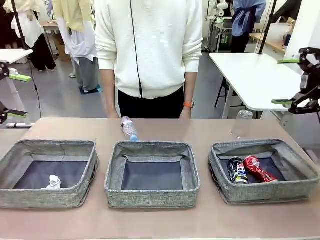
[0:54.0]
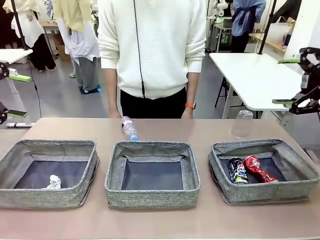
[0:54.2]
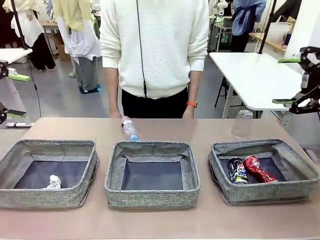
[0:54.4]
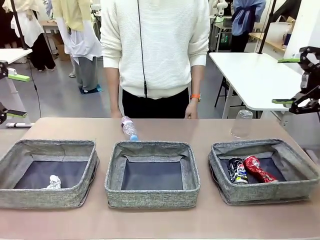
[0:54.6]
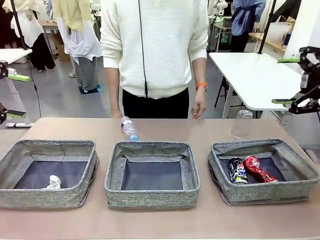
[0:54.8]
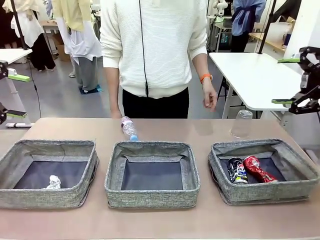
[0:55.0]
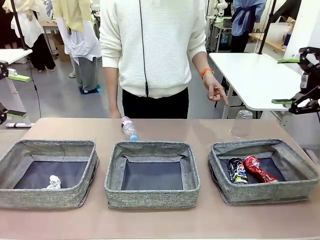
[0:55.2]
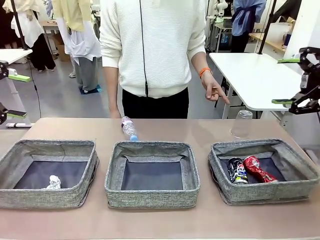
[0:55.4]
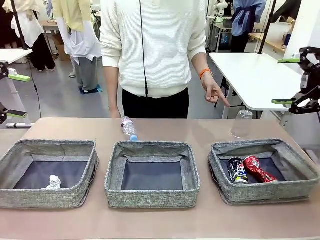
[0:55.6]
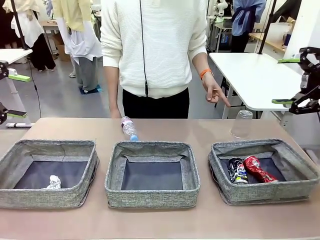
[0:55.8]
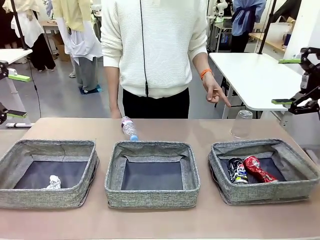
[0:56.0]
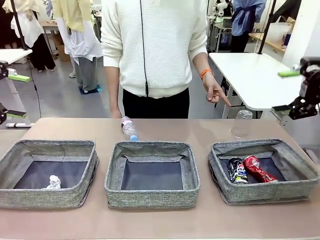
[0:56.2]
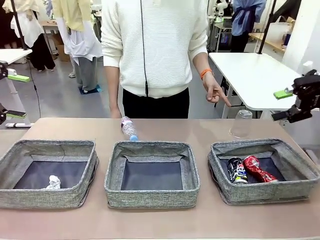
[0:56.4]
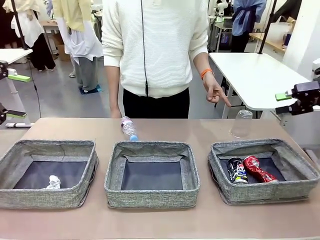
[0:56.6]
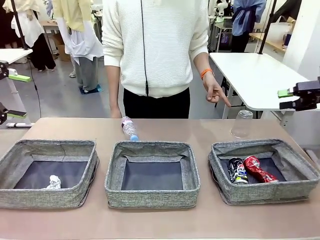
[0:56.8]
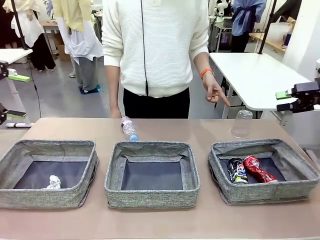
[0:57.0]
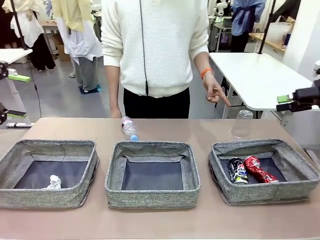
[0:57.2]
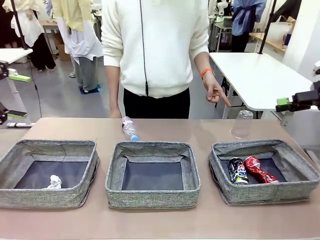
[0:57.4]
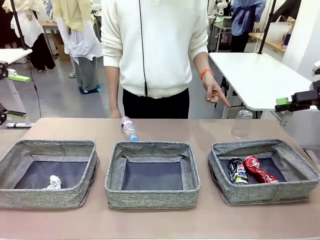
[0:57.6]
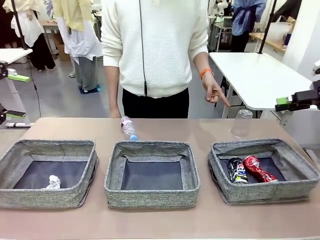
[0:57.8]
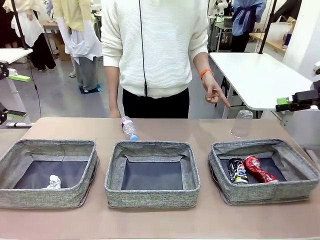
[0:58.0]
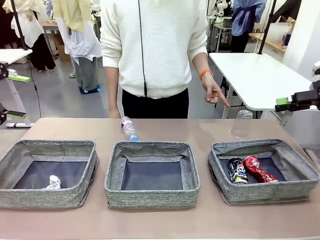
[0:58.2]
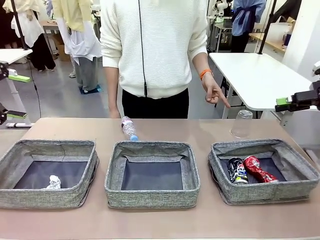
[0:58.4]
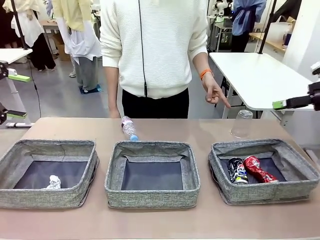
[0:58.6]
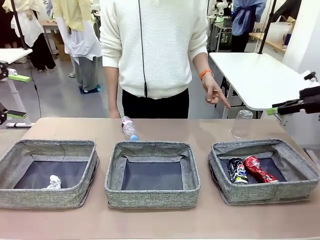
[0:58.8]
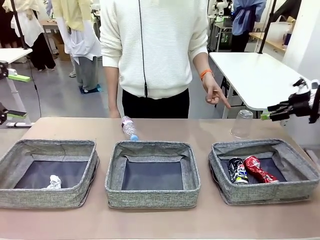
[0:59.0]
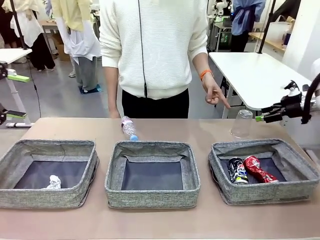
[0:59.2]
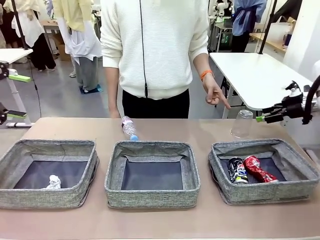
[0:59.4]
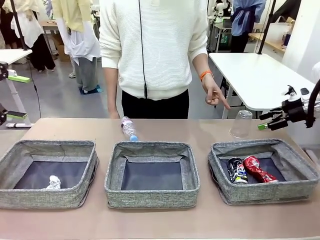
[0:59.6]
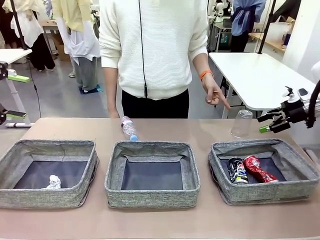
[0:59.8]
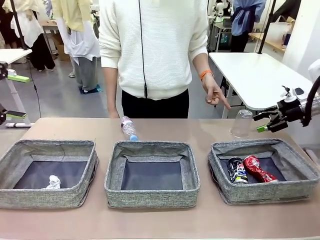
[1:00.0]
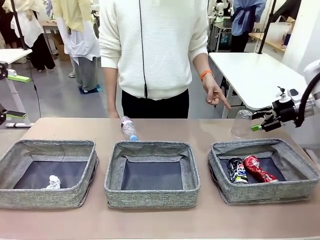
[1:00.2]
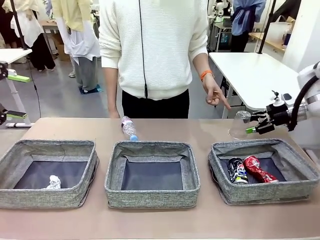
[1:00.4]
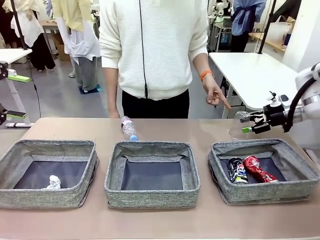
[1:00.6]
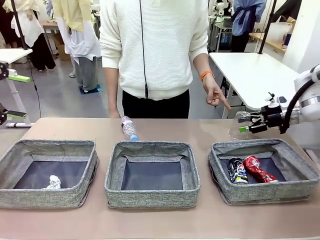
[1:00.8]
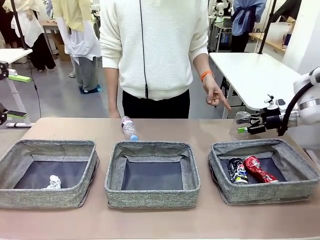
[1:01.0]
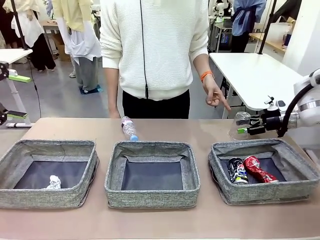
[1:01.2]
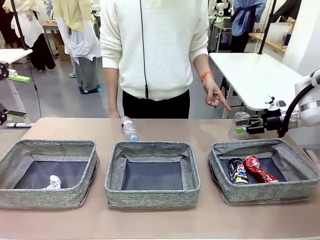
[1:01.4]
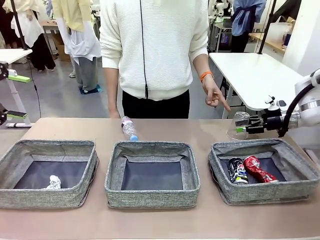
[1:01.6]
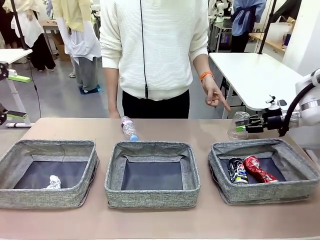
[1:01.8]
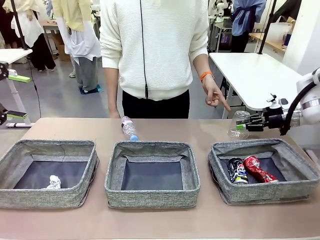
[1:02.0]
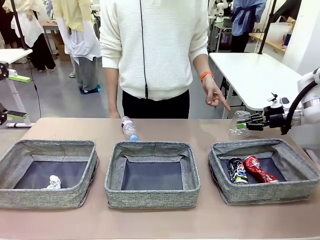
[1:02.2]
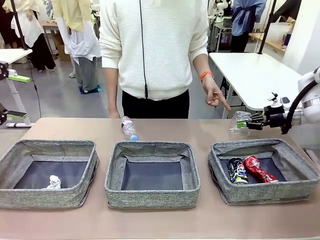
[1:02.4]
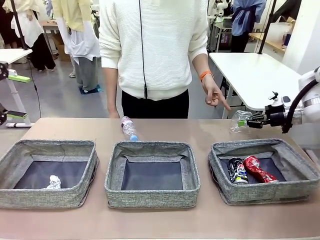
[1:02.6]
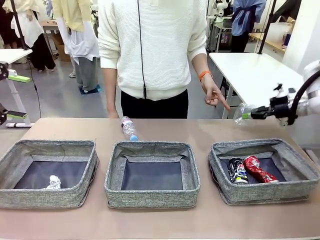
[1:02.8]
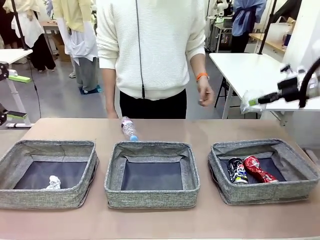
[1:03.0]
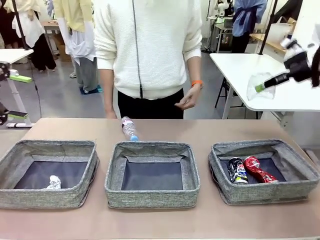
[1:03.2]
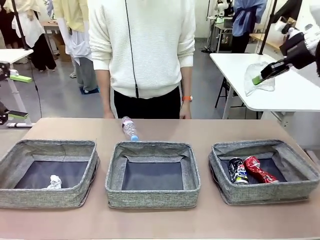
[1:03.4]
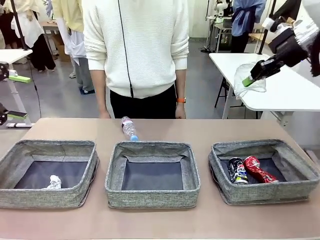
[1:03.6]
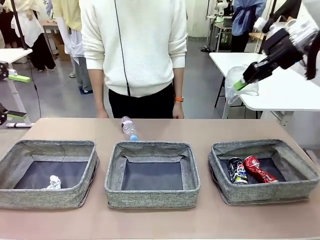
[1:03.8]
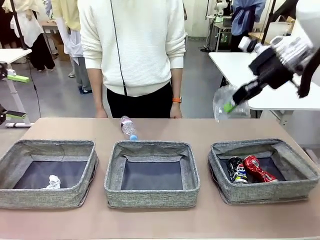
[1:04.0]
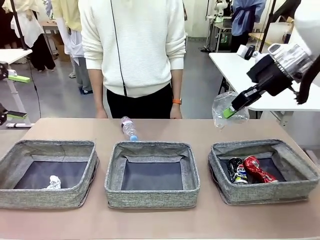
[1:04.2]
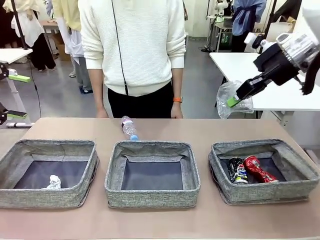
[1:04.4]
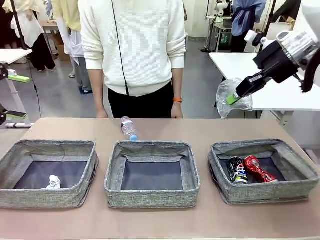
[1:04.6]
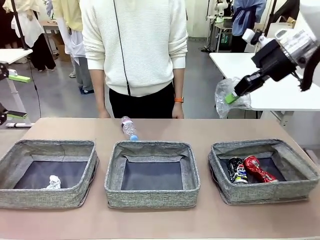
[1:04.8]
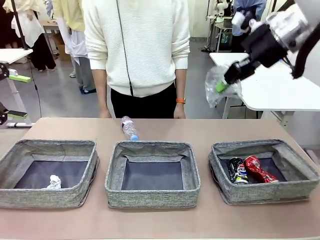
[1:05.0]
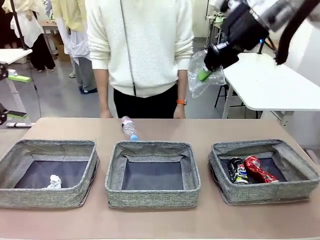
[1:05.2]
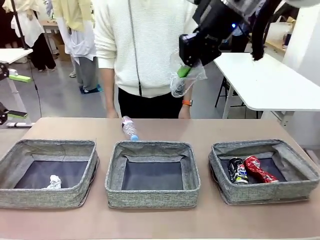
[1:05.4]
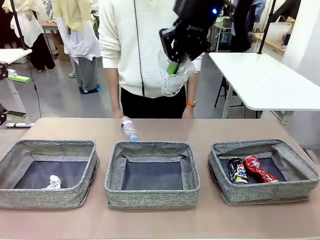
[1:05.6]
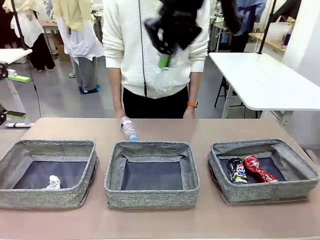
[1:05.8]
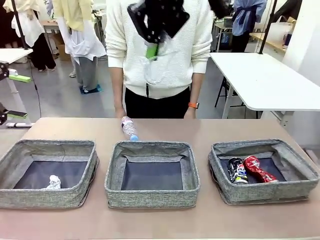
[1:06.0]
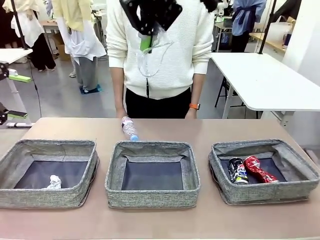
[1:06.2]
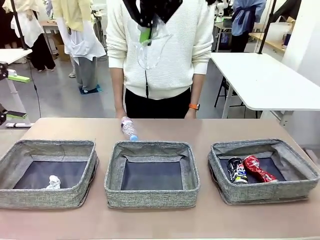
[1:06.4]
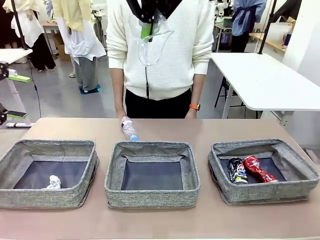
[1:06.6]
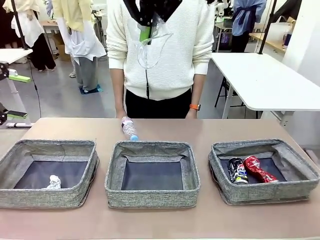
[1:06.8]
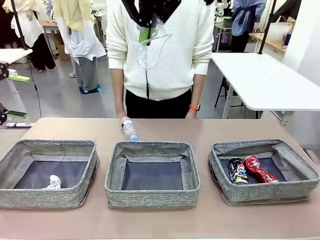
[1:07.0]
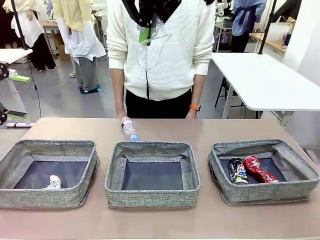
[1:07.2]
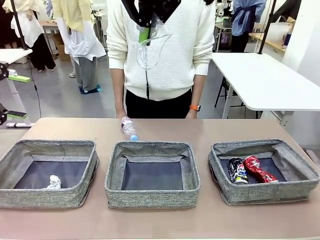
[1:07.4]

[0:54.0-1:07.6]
Task: Sort the waste into the appropriate baskets.
Robot: Pick up the waste item pointed out by the person.
Person: Points to one piece of trash on the table.

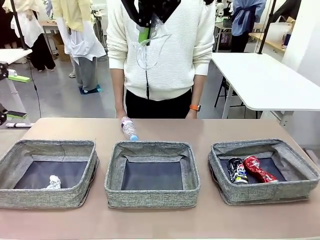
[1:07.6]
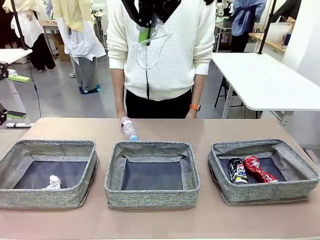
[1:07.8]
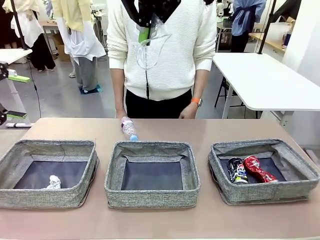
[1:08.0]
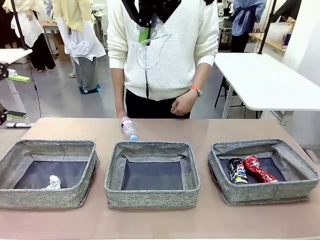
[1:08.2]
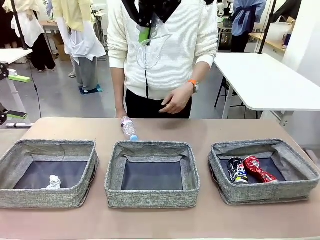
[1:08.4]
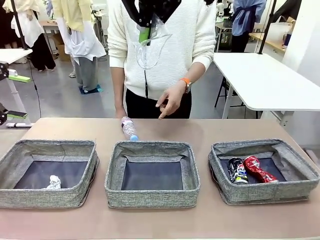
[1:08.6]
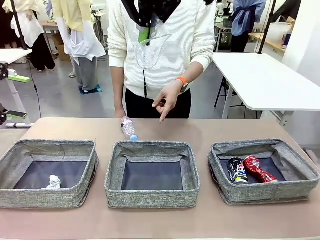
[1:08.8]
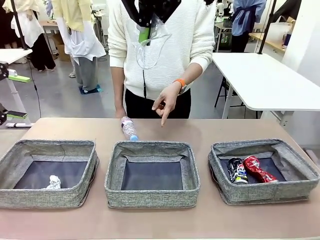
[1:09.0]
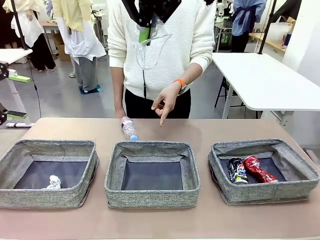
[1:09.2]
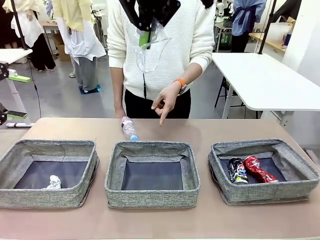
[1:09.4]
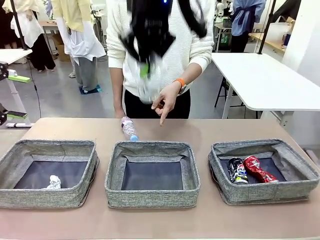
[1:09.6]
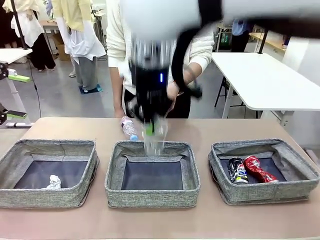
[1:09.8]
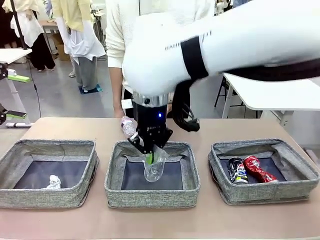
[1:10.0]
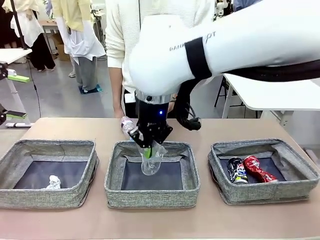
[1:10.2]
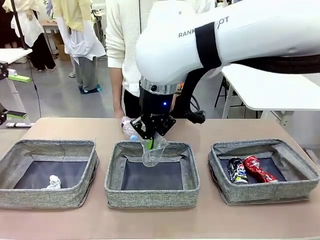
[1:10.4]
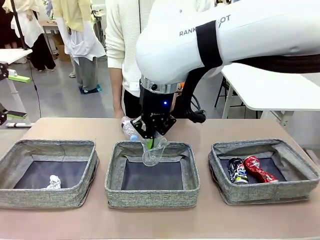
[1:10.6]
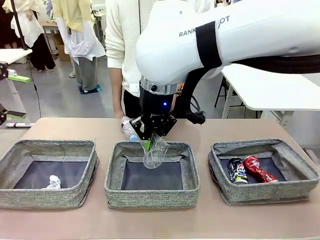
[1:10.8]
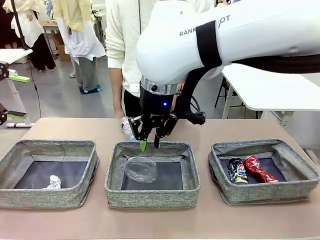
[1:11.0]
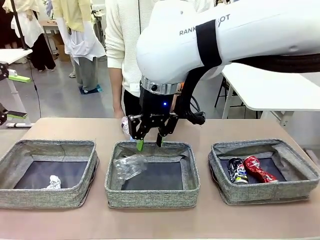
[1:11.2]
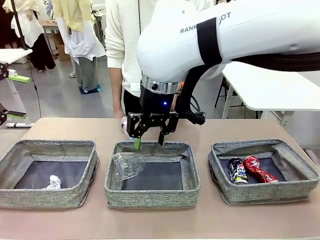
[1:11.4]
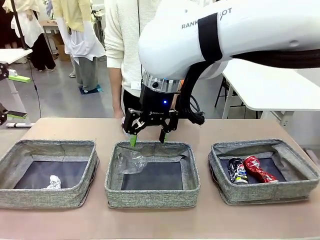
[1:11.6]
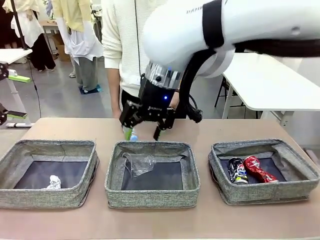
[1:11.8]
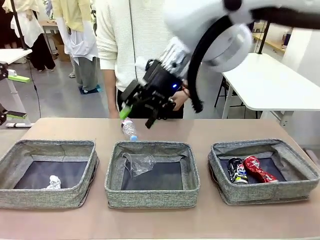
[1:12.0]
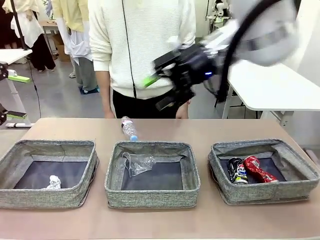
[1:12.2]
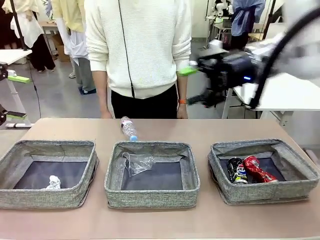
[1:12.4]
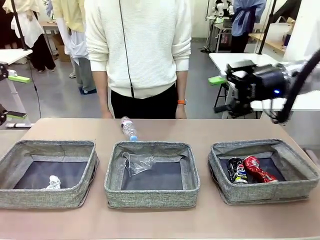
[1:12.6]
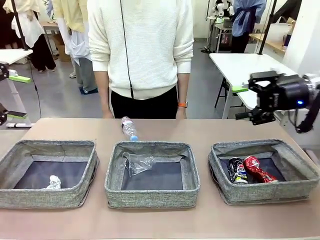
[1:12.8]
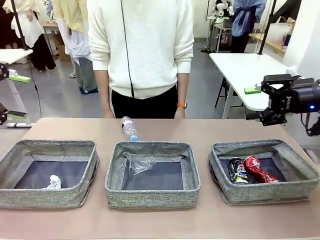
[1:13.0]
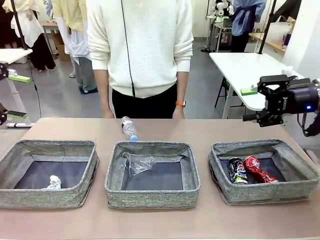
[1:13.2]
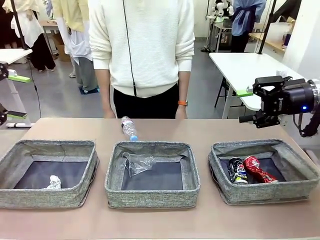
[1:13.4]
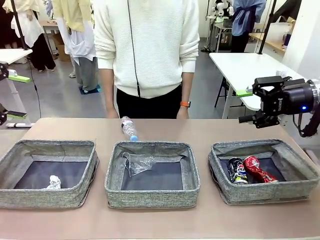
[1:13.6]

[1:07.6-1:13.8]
Robot: Place the picked waste into the Fabric basket indicated by the person.
Person: Instructs the robot to place the picked-up trash into the appropriate organizing basket.
